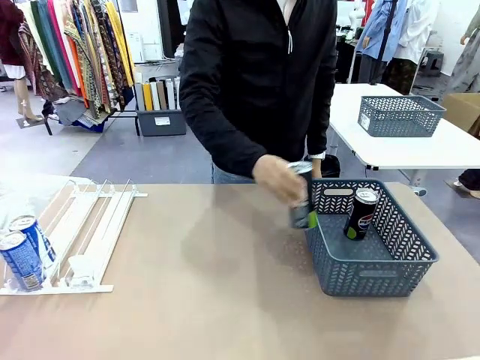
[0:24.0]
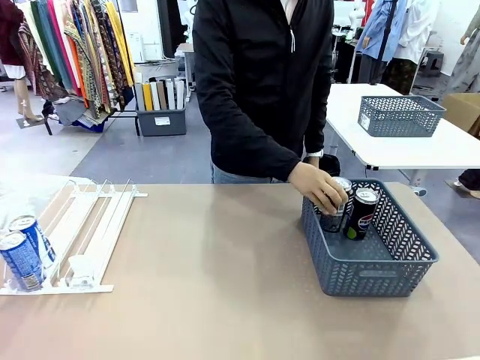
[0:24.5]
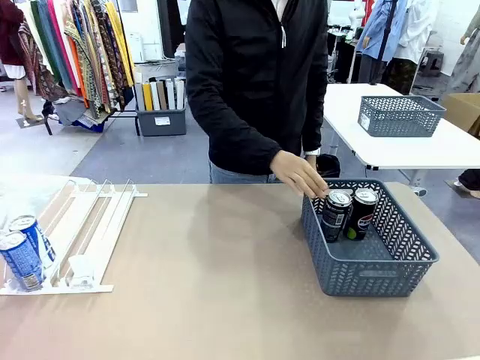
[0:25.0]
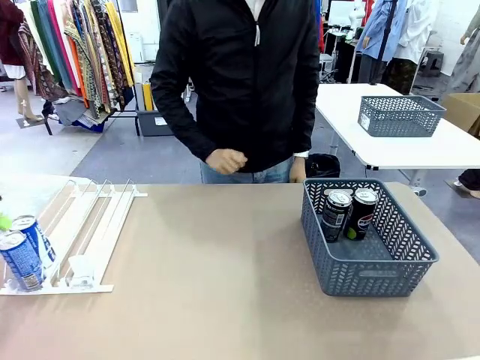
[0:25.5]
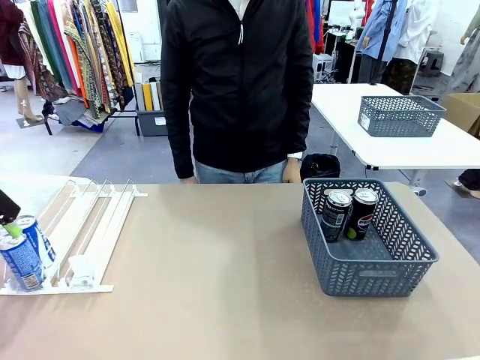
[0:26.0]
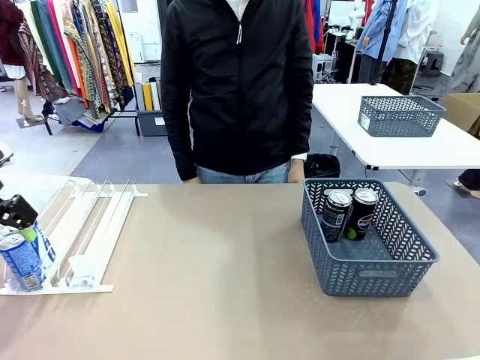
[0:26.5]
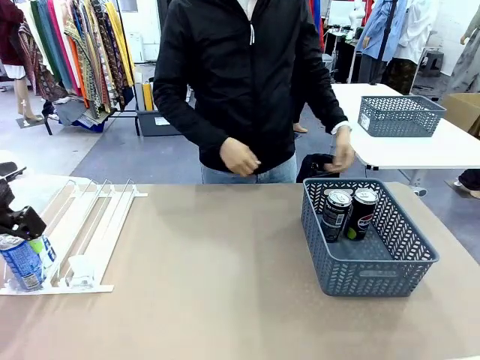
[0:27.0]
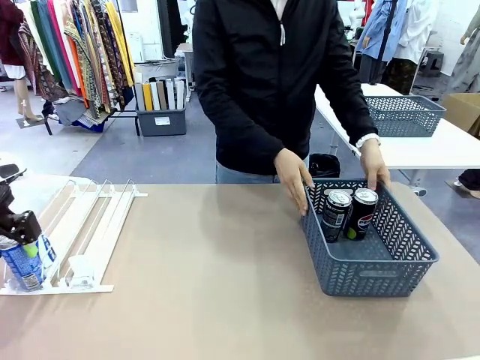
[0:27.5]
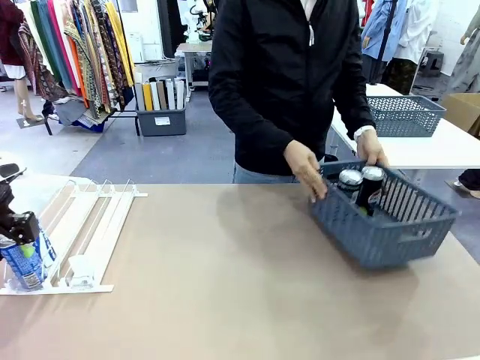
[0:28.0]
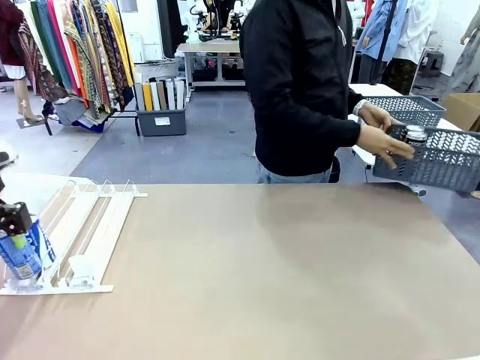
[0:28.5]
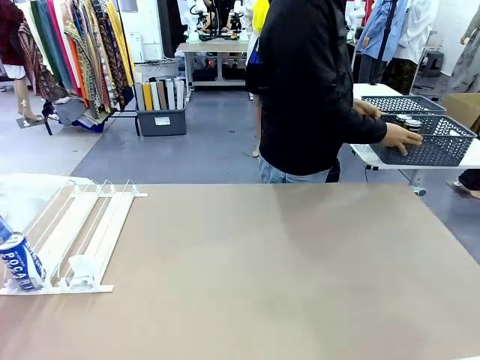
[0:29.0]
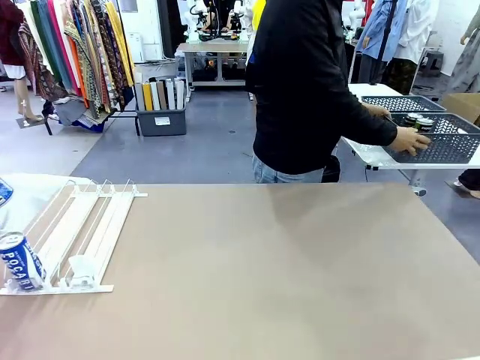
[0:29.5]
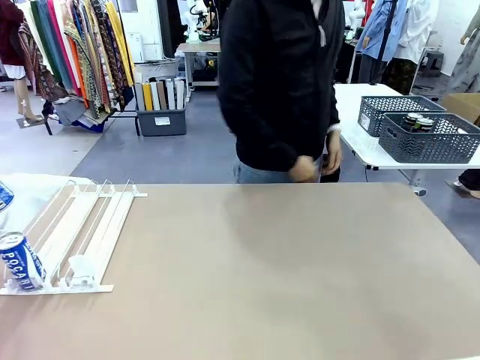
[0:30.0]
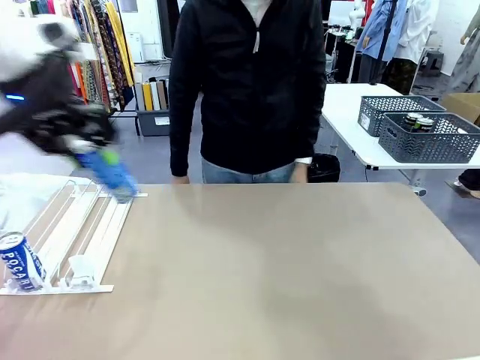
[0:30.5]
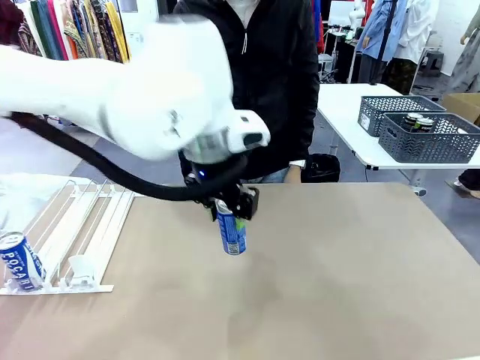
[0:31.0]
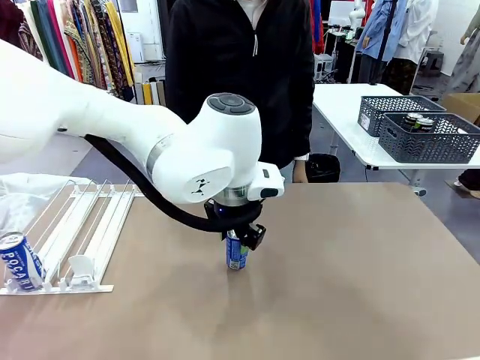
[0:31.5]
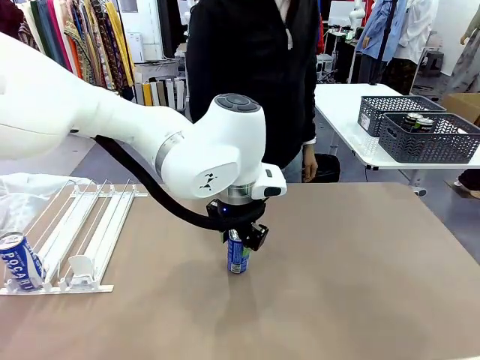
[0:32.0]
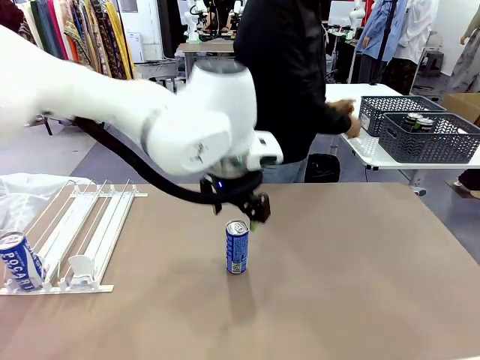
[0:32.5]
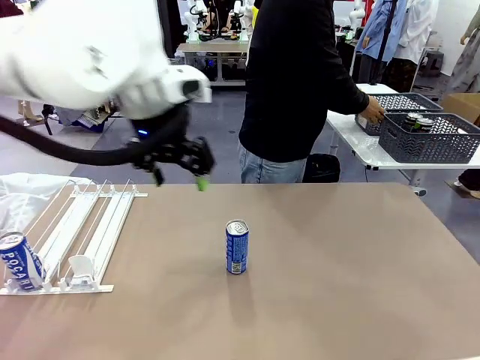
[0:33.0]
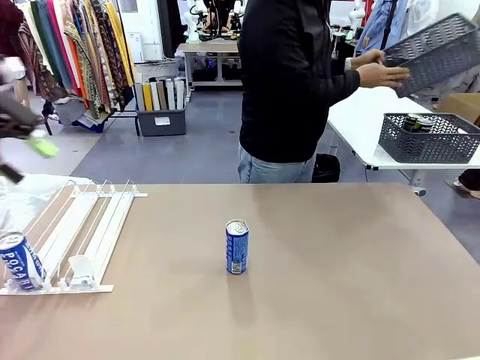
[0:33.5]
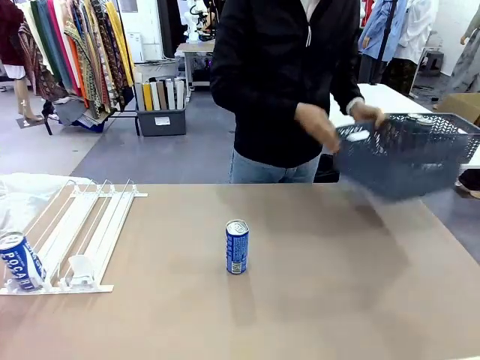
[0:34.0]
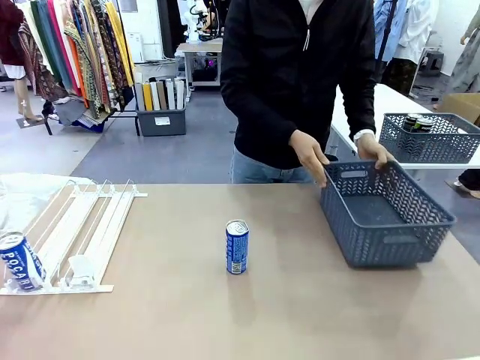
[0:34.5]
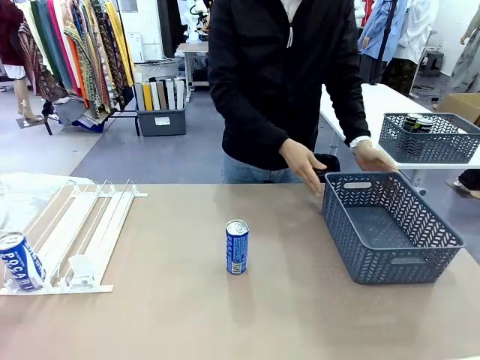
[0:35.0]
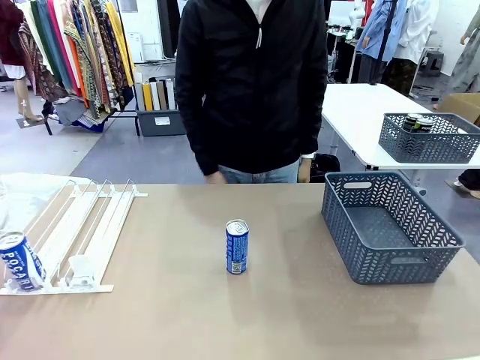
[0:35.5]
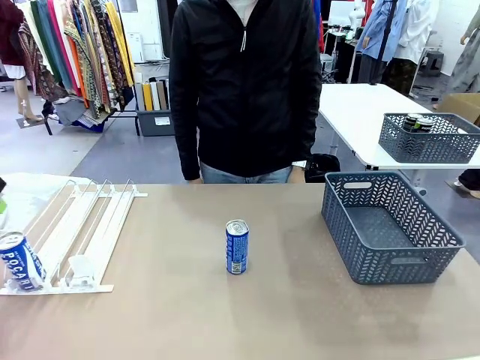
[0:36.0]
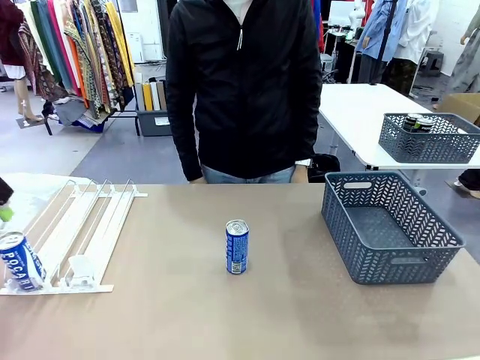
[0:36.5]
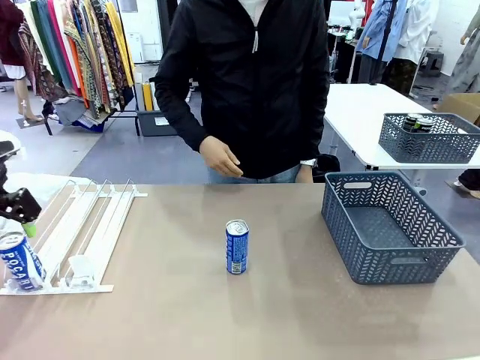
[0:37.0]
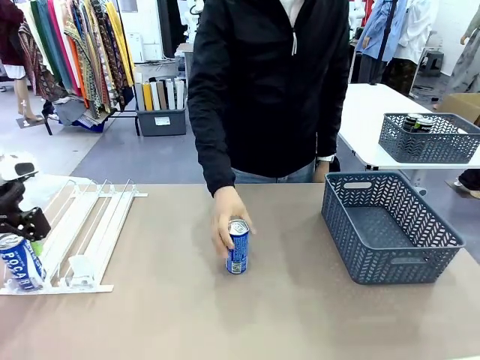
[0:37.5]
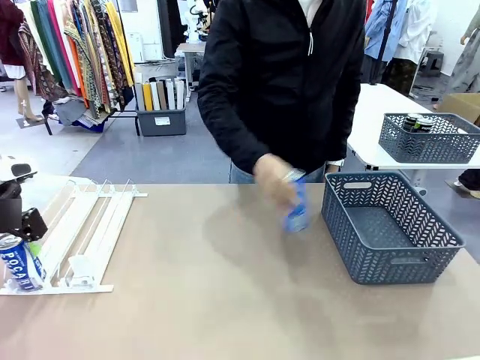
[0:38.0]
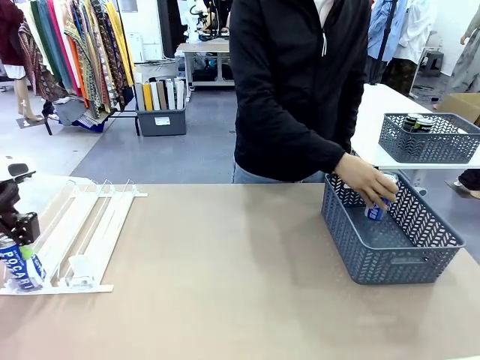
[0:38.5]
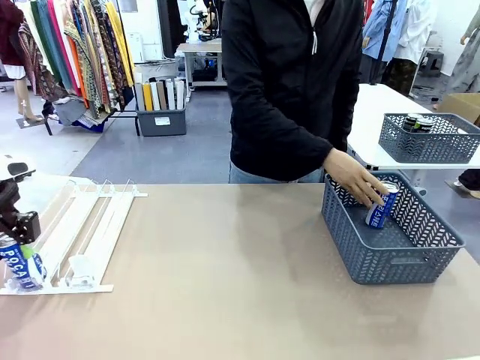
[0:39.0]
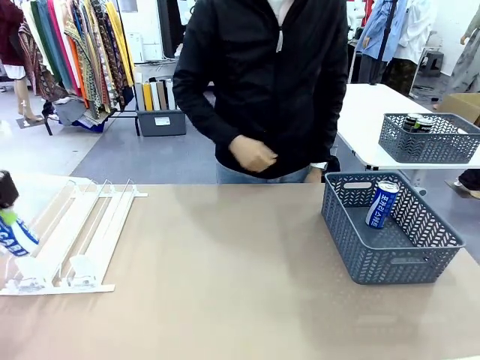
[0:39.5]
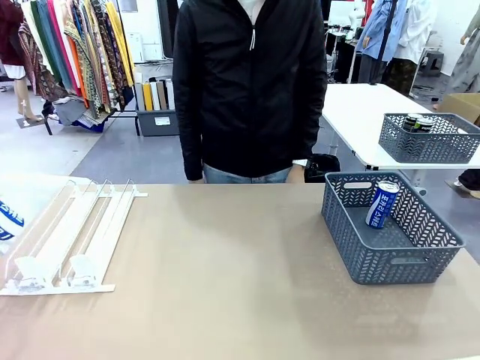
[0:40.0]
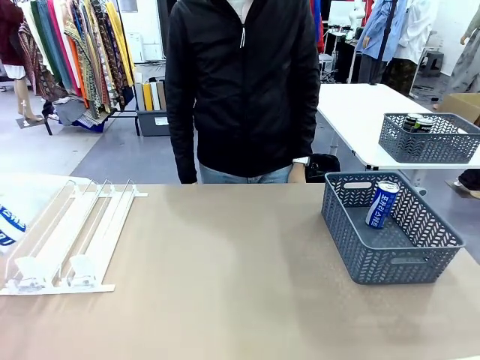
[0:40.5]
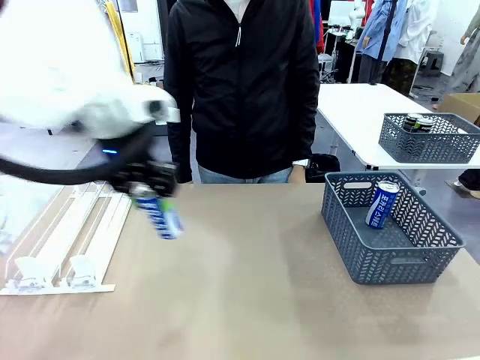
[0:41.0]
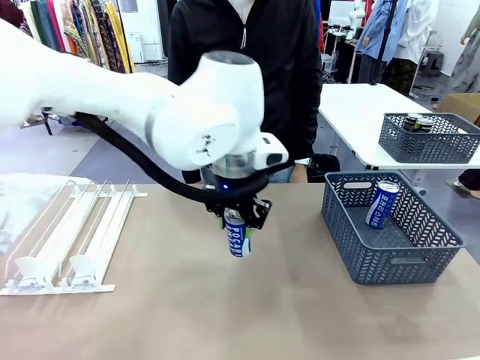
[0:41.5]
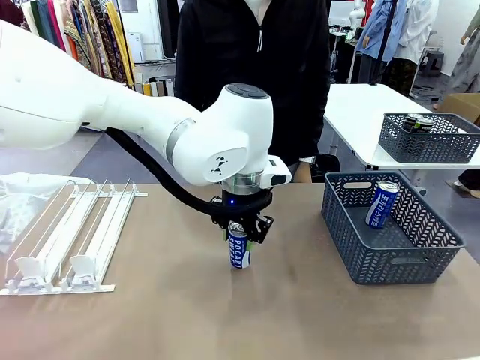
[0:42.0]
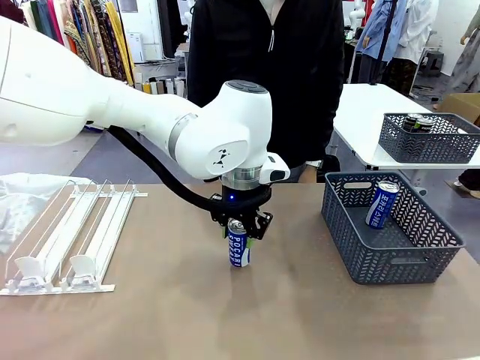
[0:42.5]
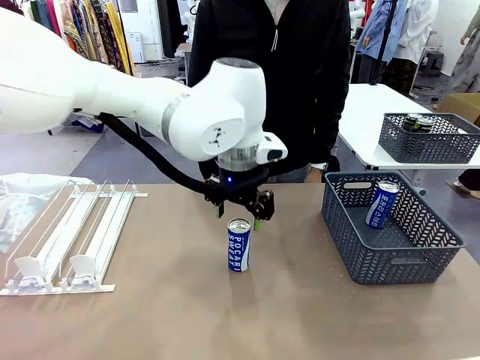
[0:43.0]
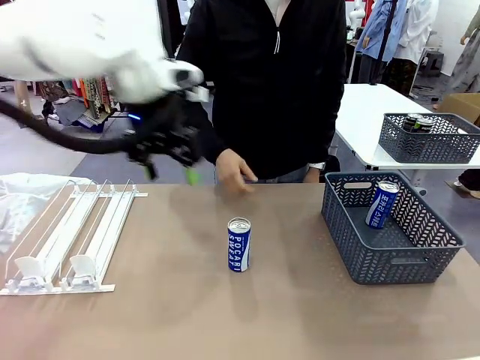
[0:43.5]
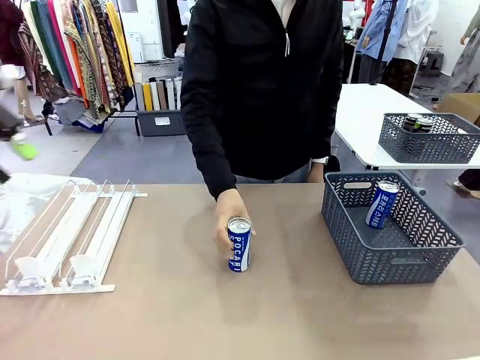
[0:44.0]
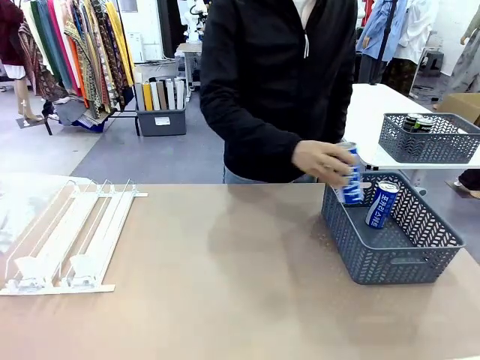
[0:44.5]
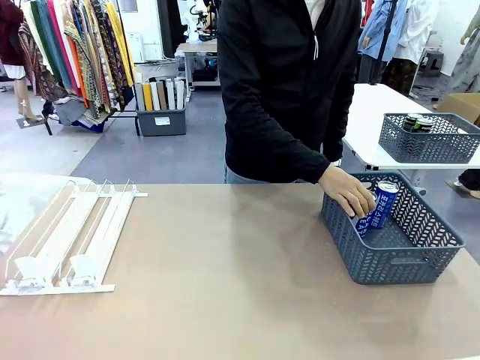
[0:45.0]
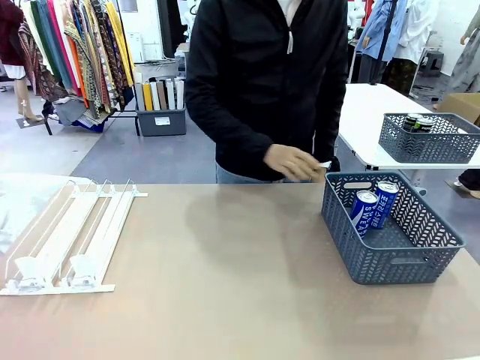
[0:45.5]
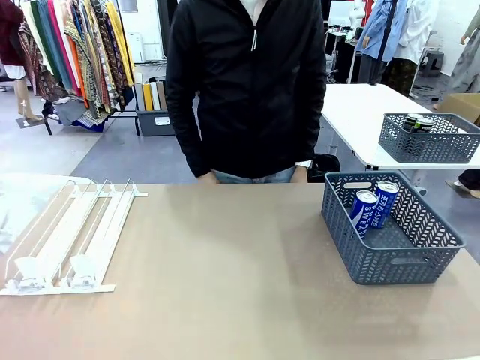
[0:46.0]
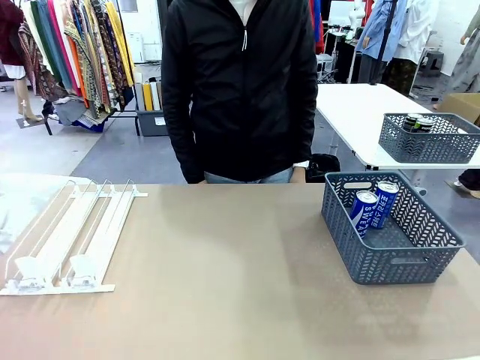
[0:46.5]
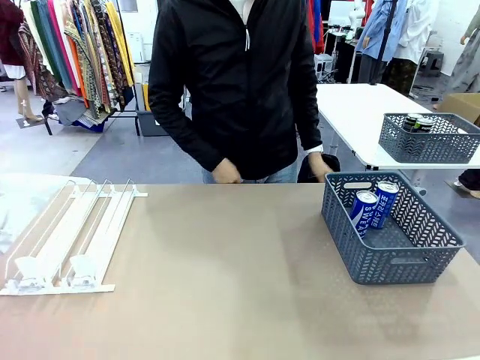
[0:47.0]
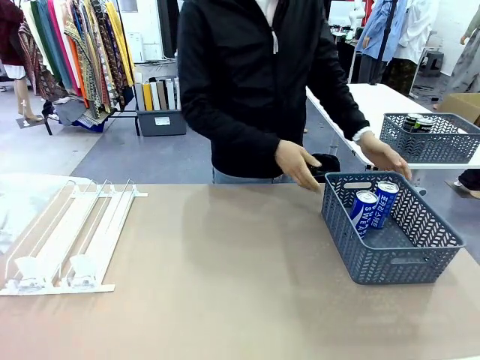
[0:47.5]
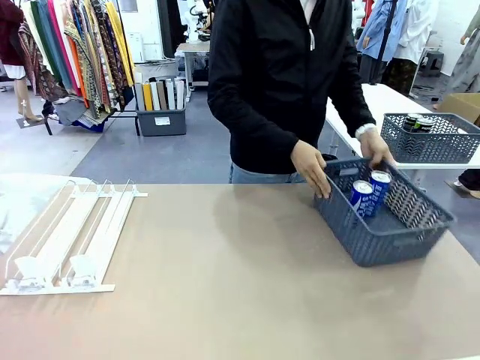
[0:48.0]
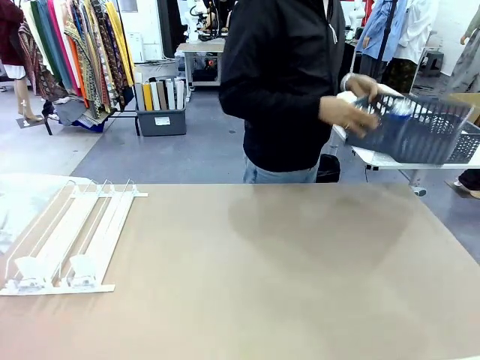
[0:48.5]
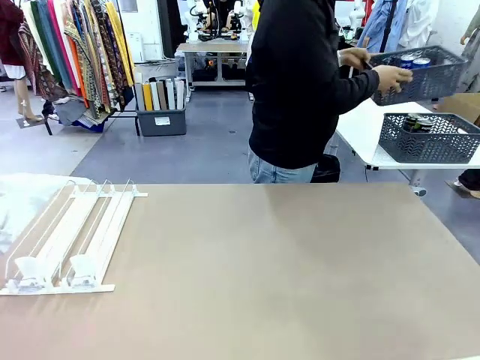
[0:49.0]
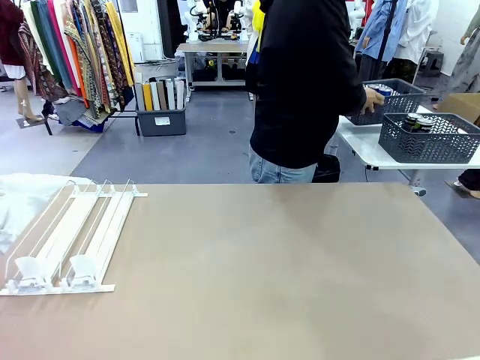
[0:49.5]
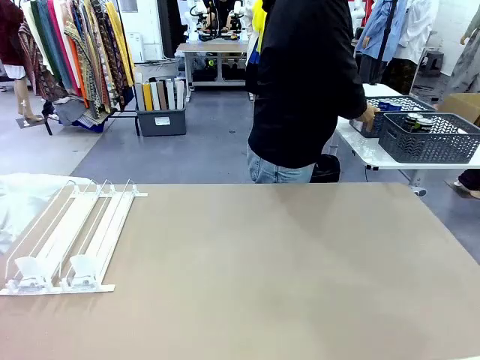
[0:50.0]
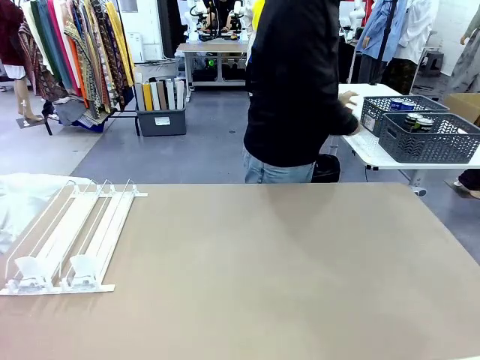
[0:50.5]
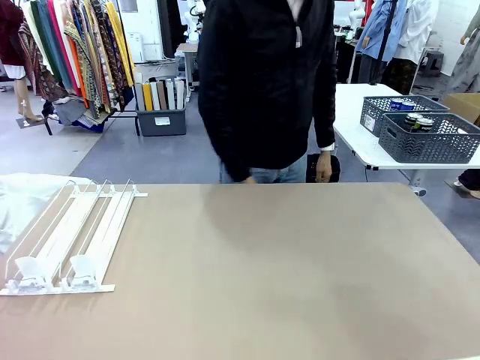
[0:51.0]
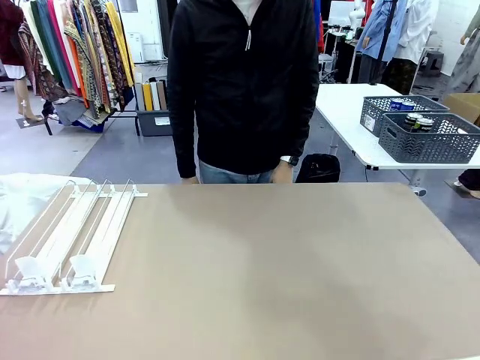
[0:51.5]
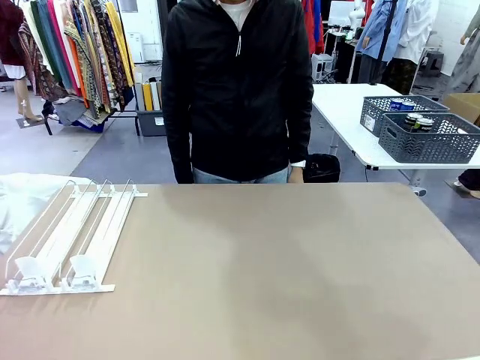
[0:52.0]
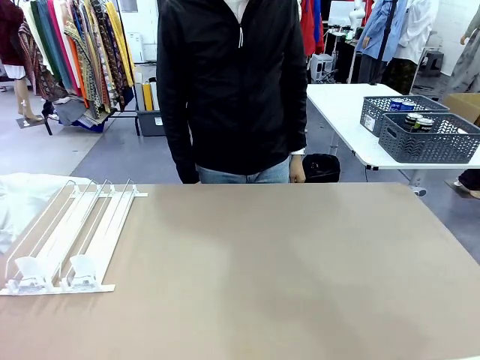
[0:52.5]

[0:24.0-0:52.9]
Task: Retrieve and store the cans from the dispenser.
Robot: Pick up one can from the Automatic Can Dispenser and place it in the middle of the table.
Person: Pick up the basket and place it in the middle of the human table. Pick up the empty basket and place it on the left side of the robot table. Pick up one sports drink can from the middle of the robot table and place it in the basket. Pick up the basket and place it in the middle of the human table.
